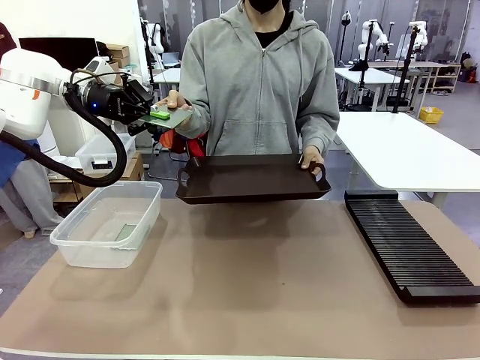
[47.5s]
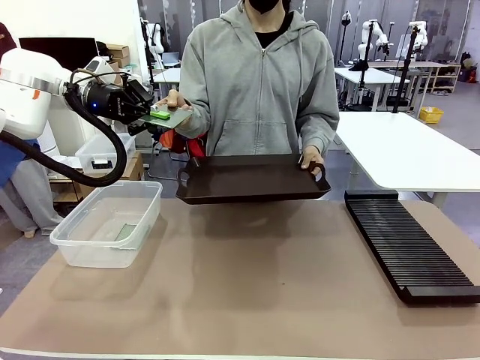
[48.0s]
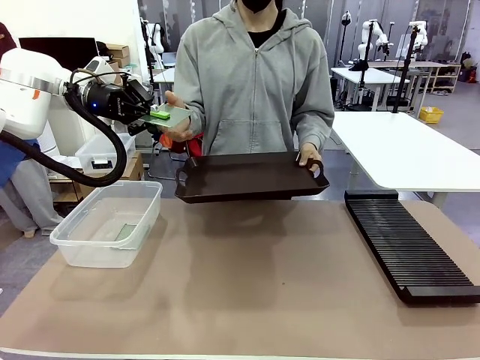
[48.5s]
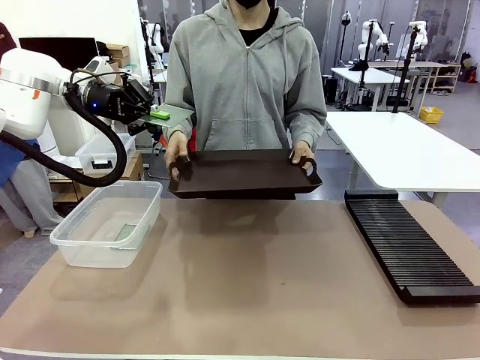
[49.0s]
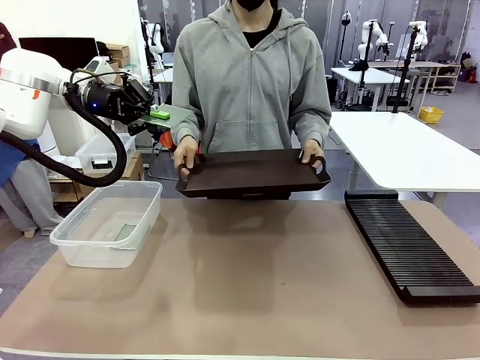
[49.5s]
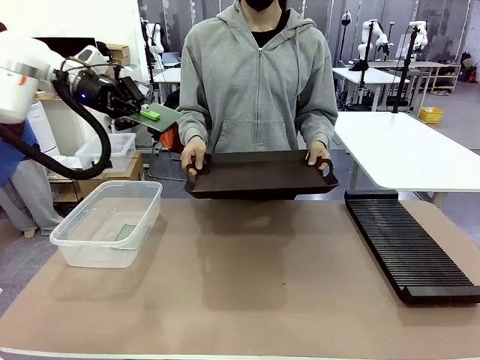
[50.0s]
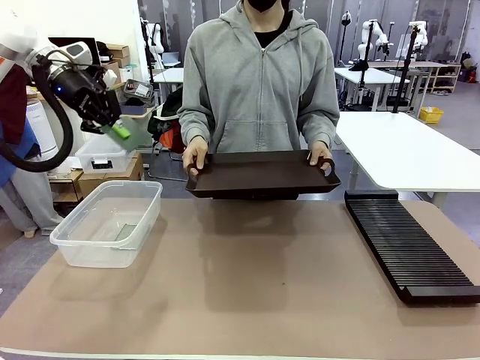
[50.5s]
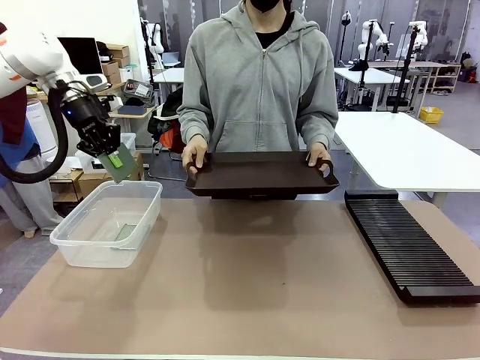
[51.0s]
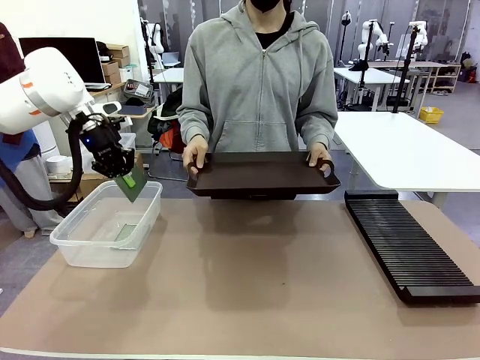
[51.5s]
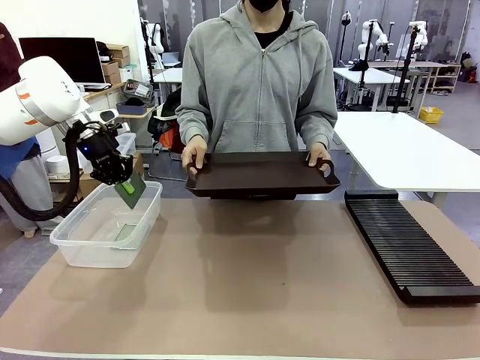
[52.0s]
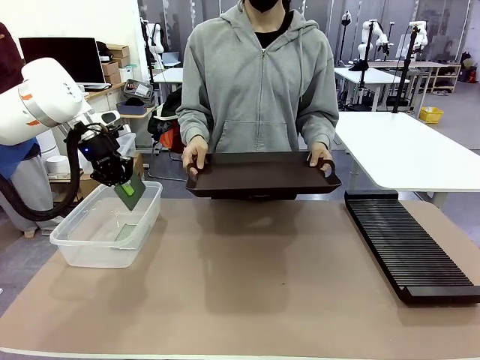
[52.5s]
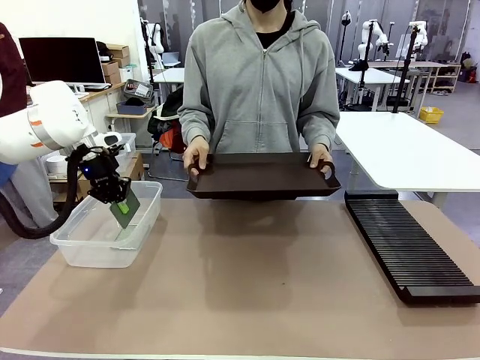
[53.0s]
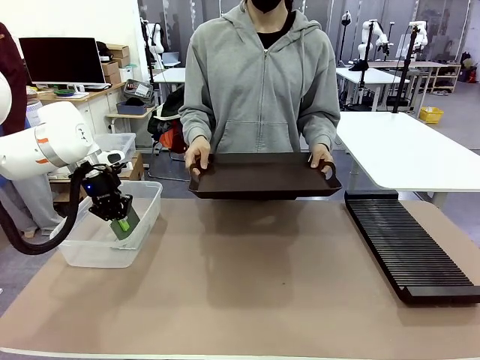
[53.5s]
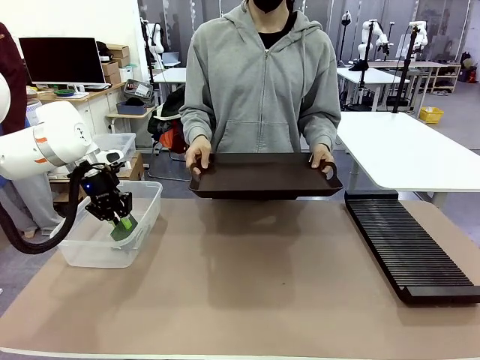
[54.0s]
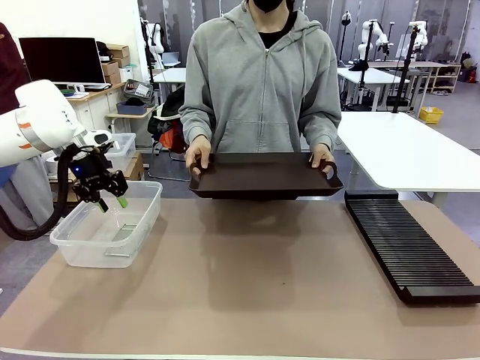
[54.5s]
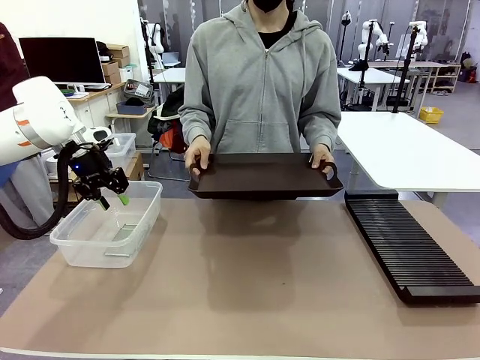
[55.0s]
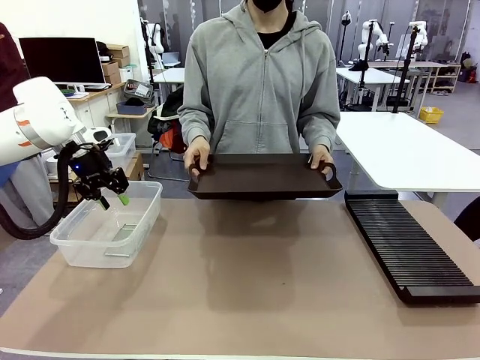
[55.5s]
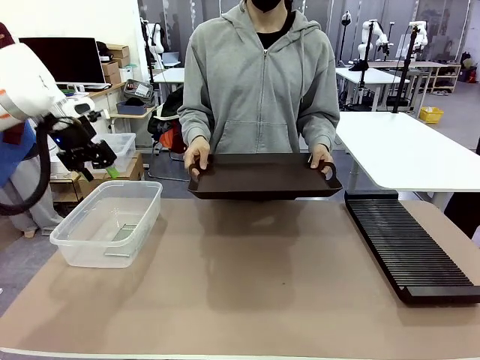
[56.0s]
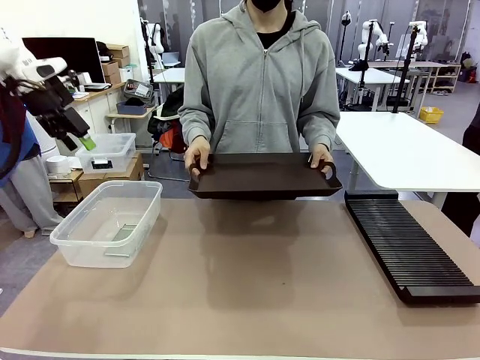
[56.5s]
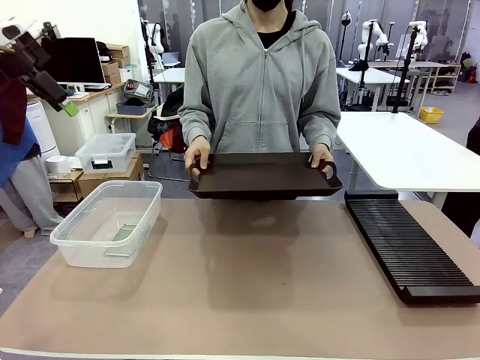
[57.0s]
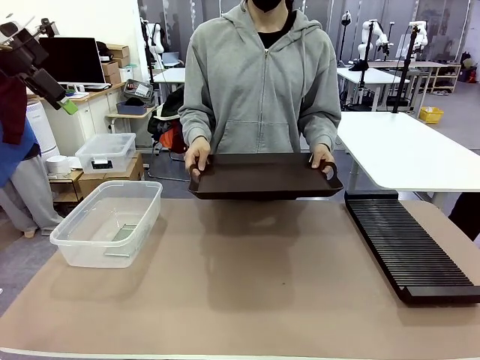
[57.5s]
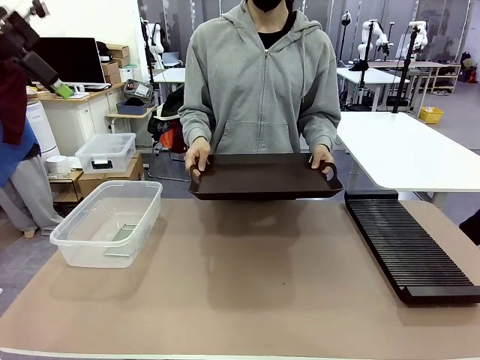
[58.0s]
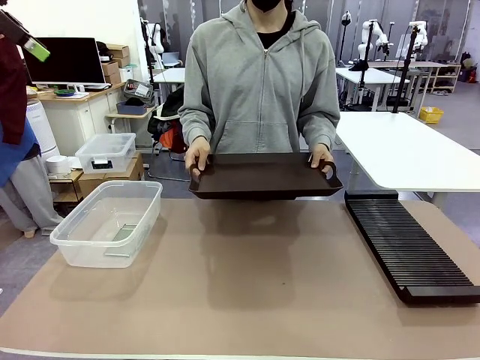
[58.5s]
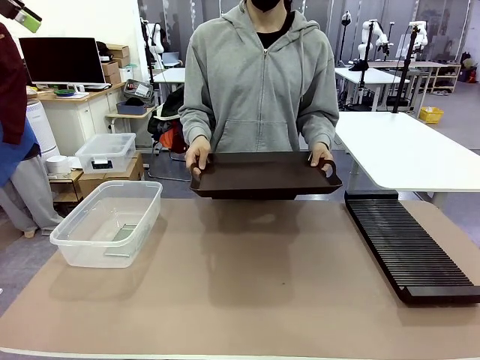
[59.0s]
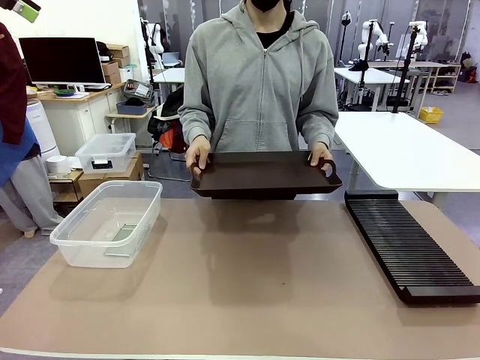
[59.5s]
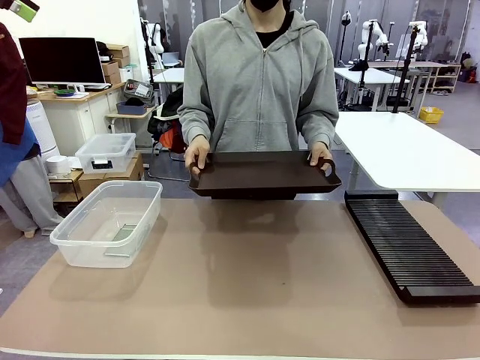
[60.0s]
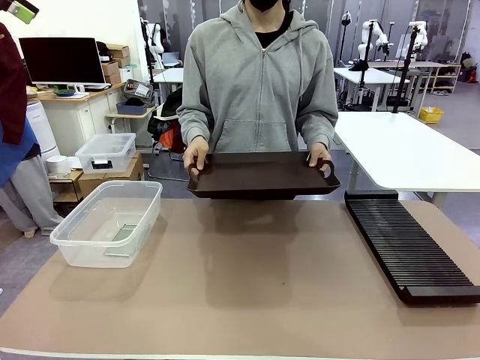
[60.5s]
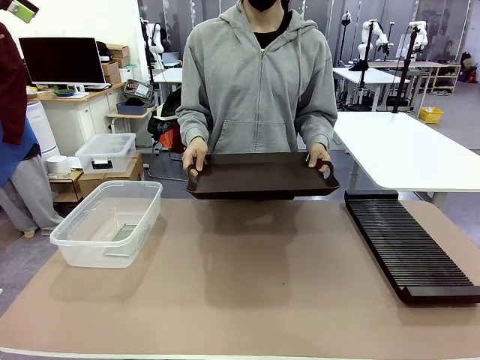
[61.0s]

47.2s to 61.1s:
Task: Sort PCBs into racks and boxes based on the side picked up.
Robot: If the short side of the Blank PCB is picked up, insert it into the PCB Rack ; if the long side is picked up, place it in the Organizing box.
Person: Release the PCB being held.

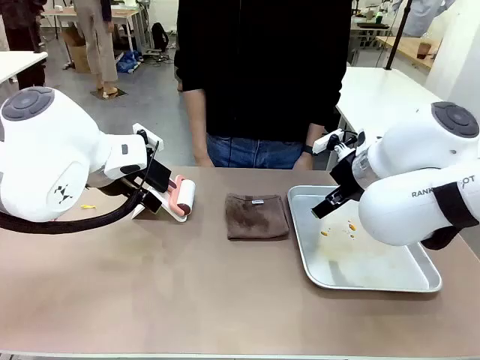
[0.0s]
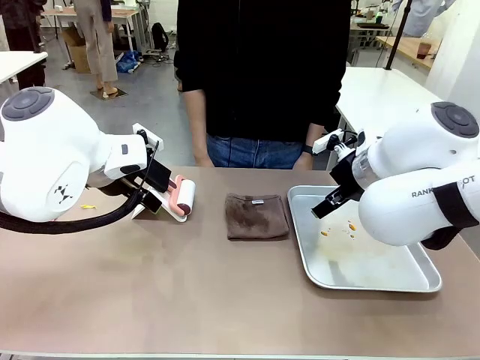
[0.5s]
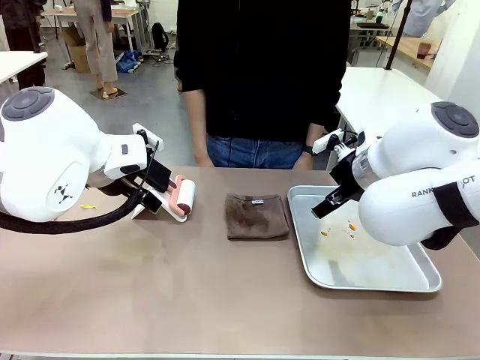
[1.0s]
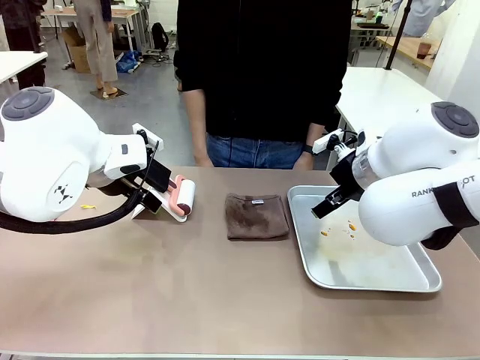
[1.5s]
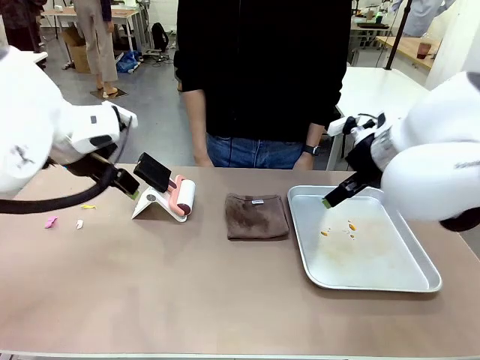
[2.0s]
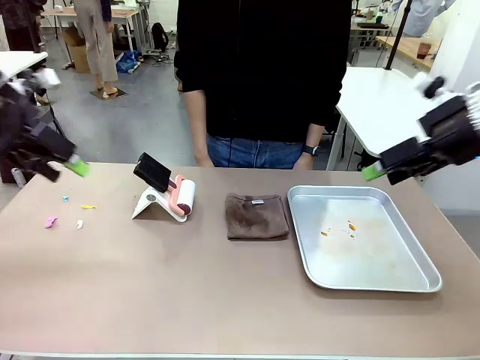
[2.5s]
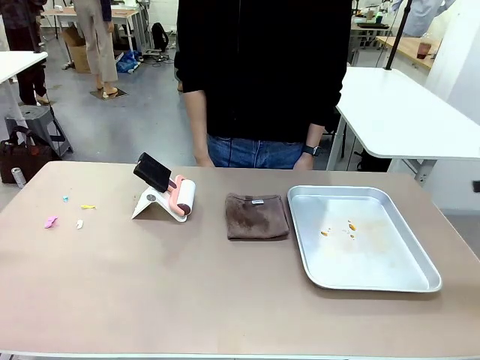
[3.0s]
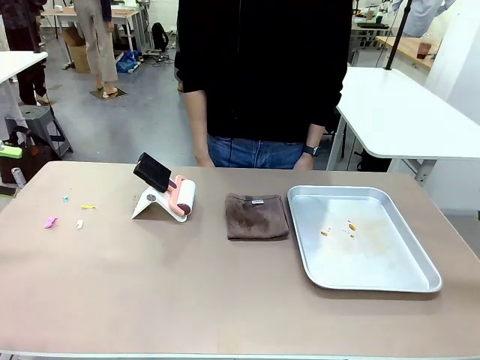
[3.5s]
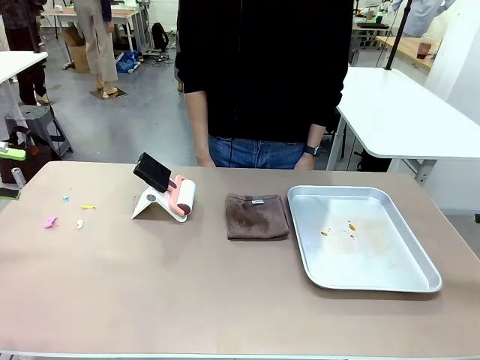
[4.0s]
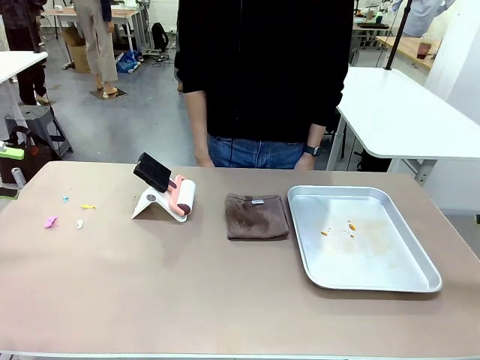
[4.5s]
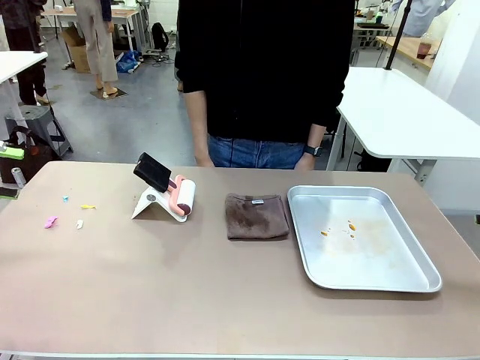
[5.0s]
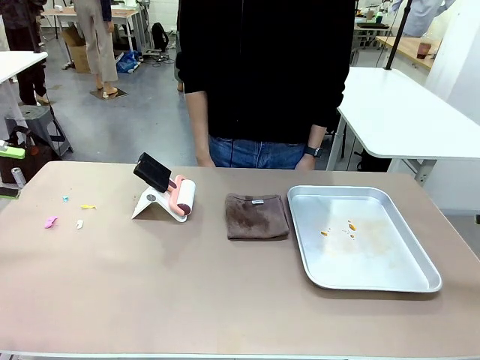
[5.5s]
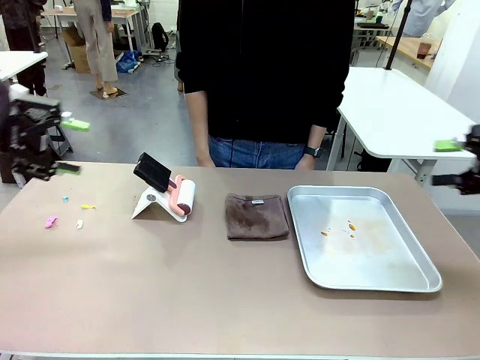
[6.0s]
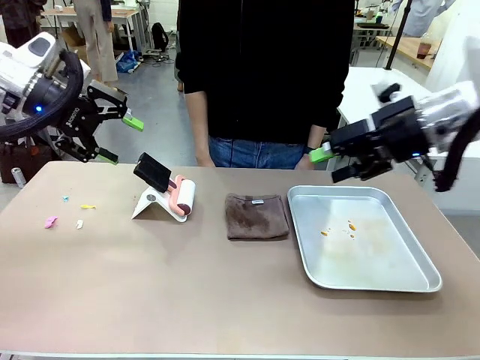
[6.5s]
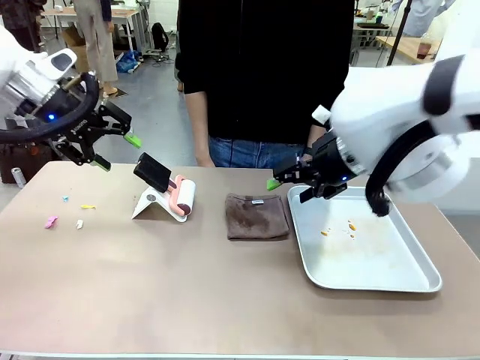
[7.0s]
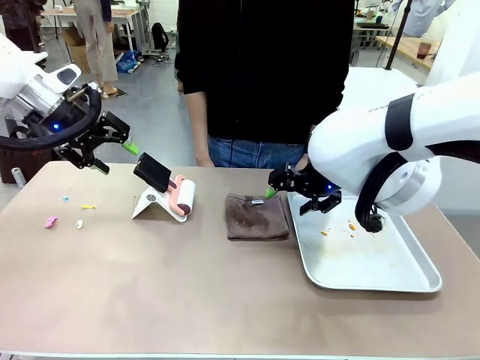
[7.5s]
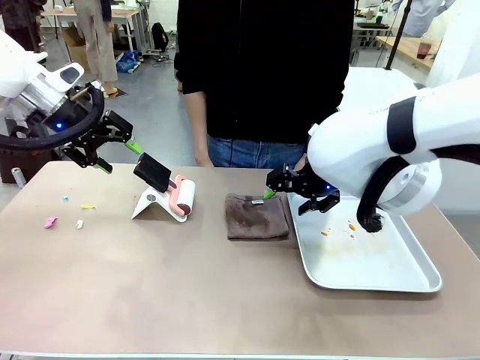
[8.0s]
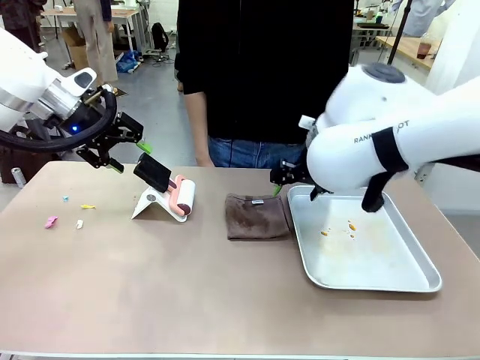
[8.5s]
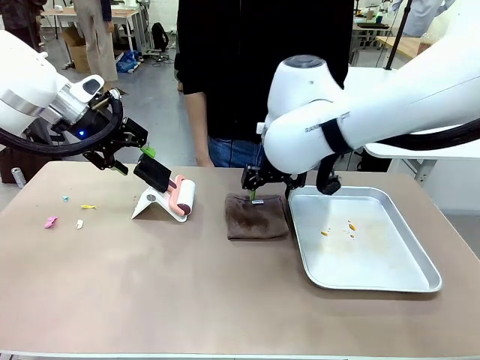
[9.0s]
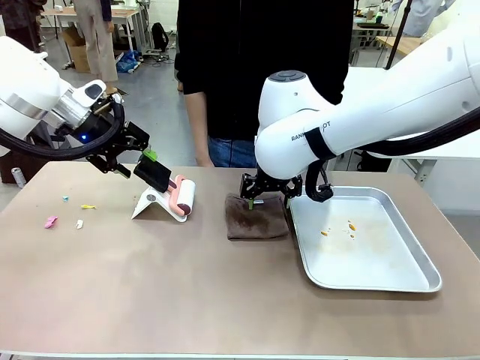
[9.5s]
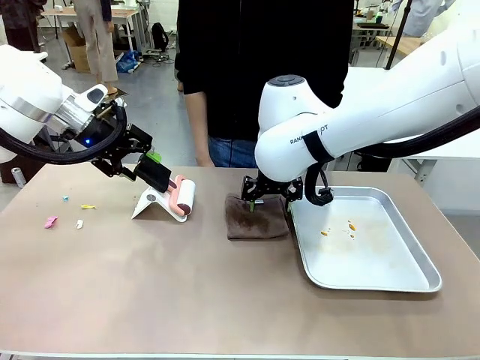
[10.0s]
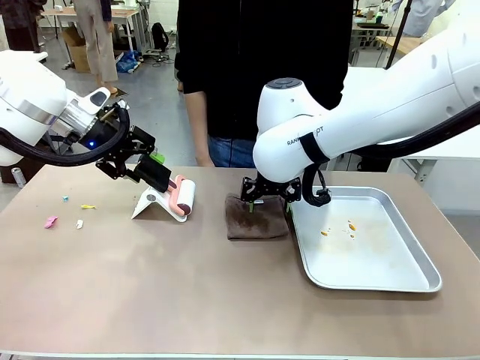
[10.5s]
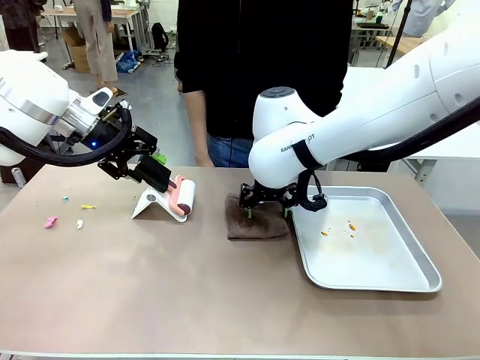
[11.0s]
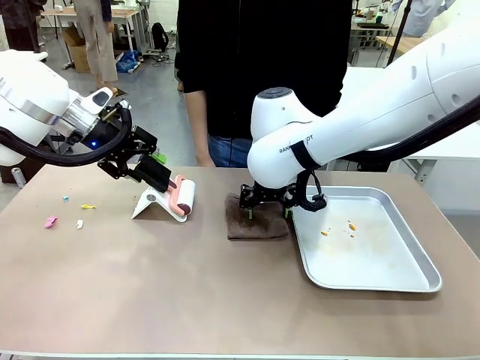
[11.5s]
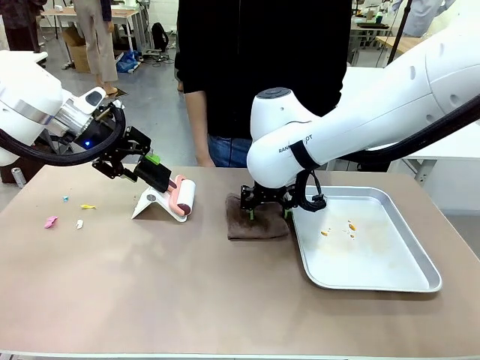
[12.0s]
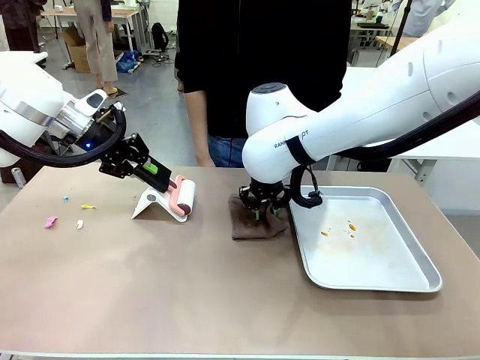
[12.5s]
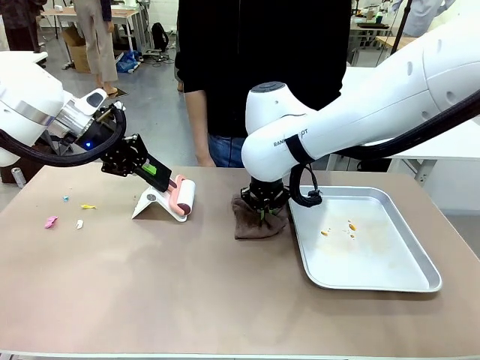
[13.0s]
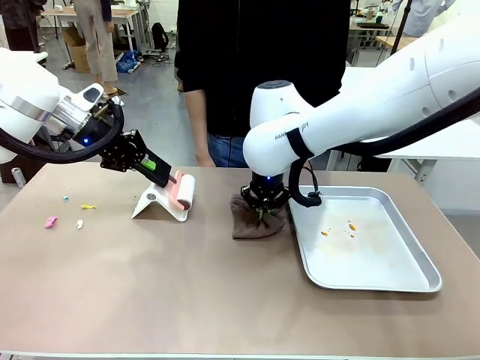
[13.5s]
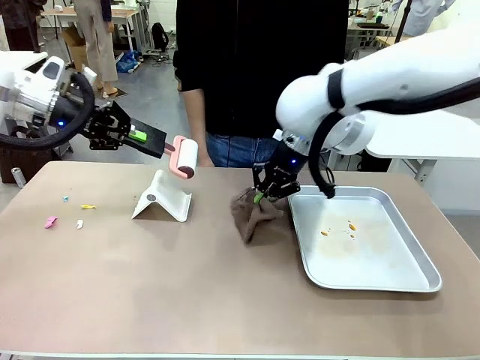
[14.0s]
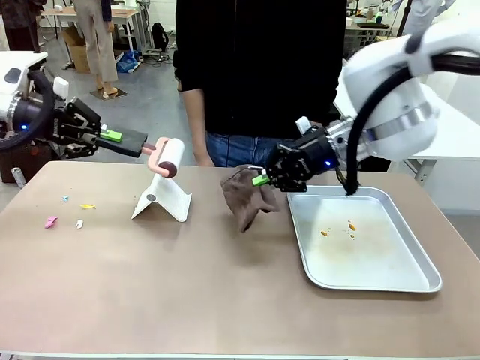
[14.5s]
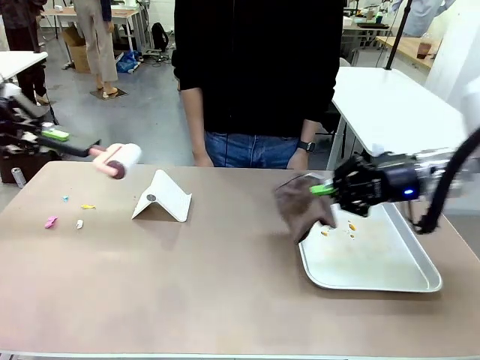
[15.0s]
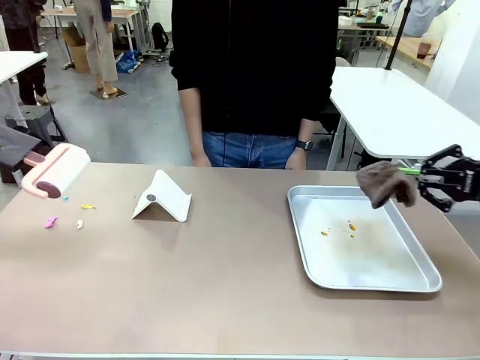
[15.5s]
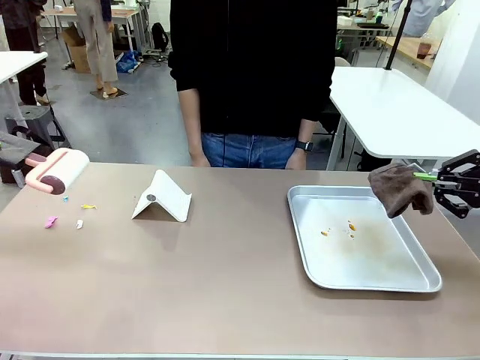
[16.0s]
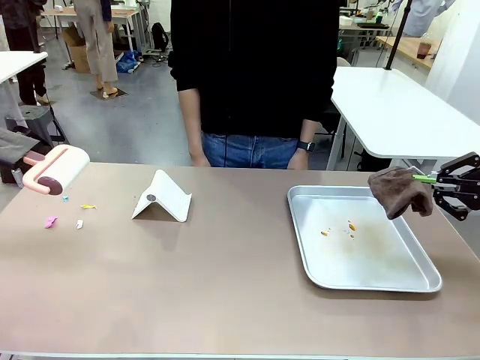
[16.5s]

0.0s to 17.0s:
Task: Clean the surface of the table.
Robot: Hold the Lint Roller with your left hand and the towel with your right hand.
